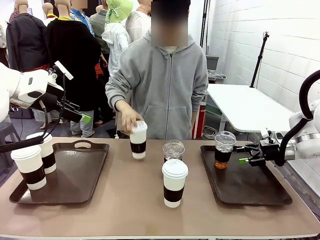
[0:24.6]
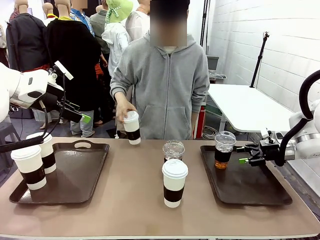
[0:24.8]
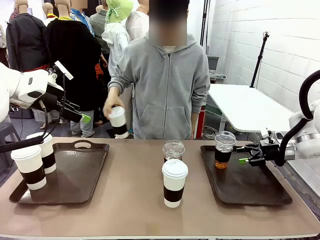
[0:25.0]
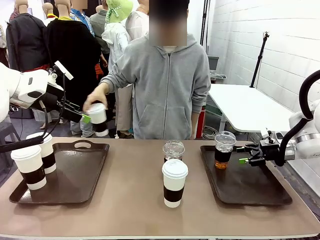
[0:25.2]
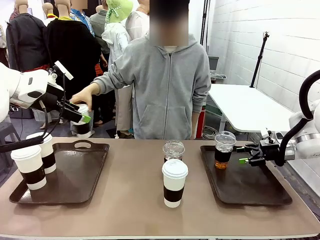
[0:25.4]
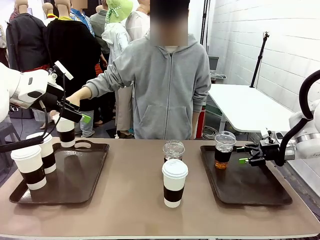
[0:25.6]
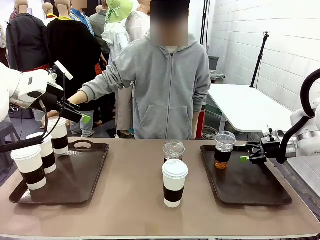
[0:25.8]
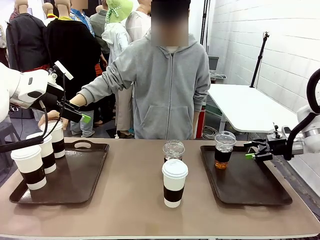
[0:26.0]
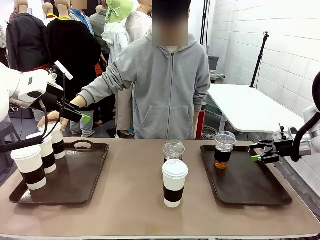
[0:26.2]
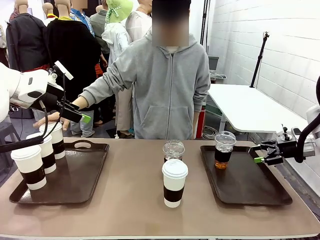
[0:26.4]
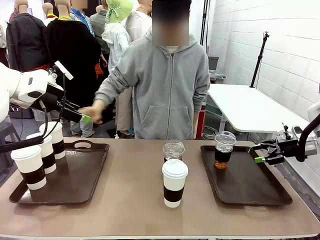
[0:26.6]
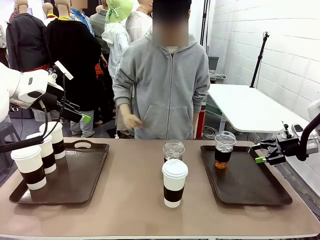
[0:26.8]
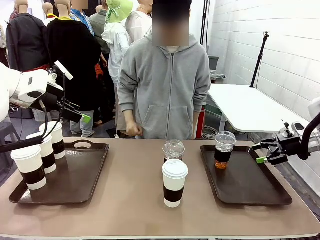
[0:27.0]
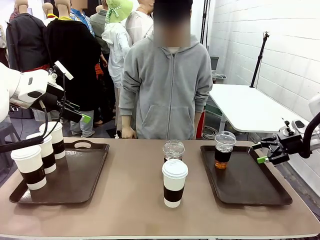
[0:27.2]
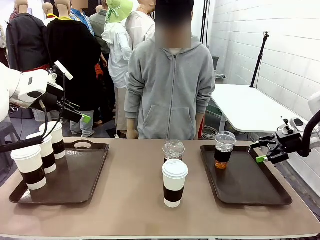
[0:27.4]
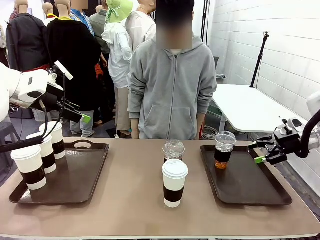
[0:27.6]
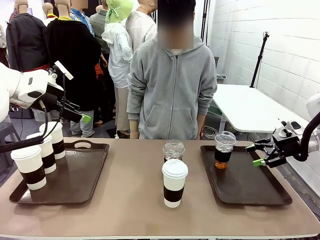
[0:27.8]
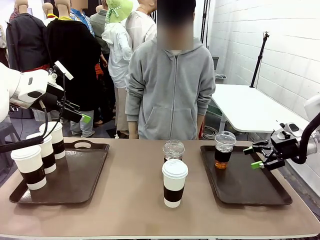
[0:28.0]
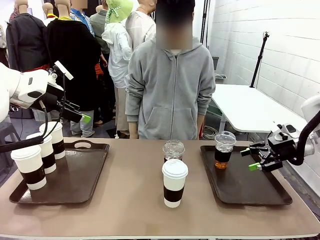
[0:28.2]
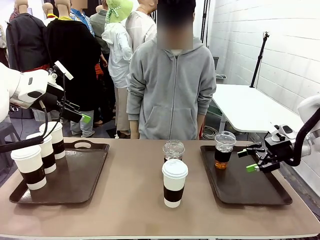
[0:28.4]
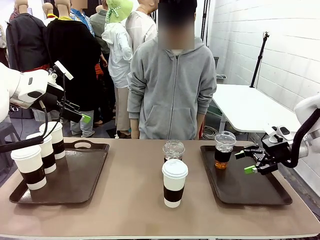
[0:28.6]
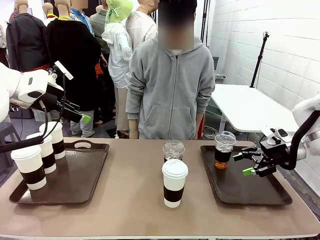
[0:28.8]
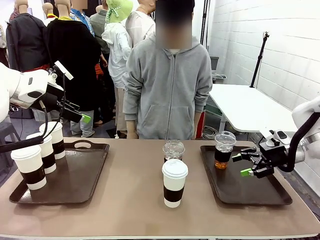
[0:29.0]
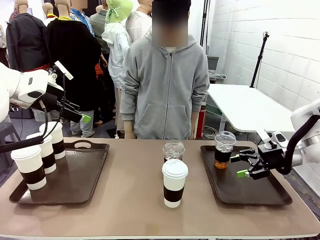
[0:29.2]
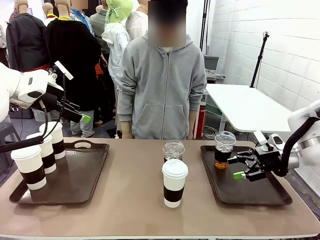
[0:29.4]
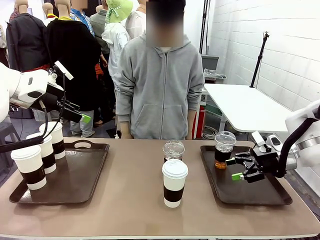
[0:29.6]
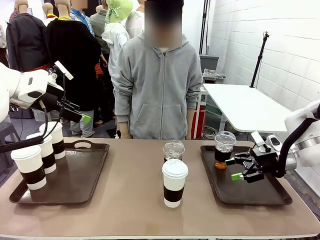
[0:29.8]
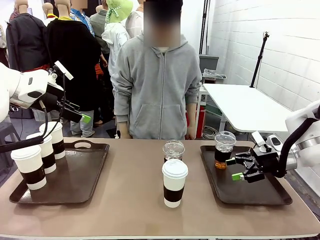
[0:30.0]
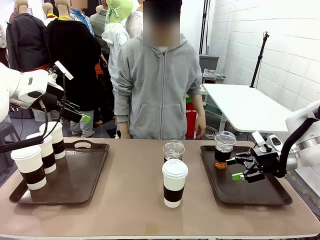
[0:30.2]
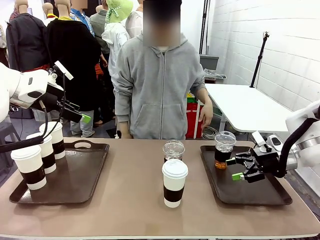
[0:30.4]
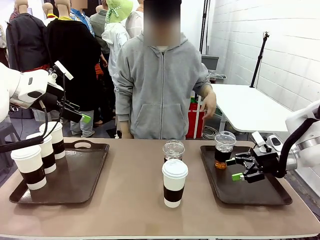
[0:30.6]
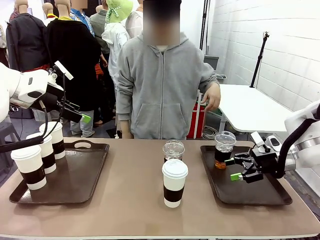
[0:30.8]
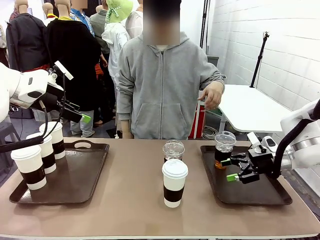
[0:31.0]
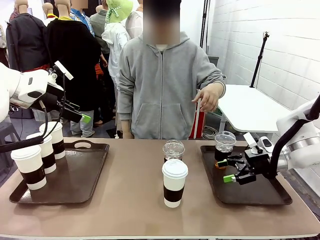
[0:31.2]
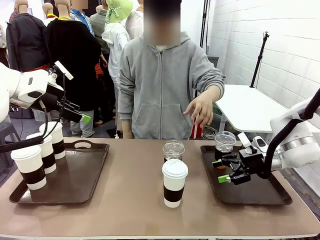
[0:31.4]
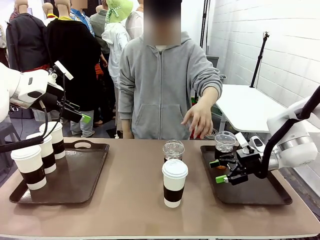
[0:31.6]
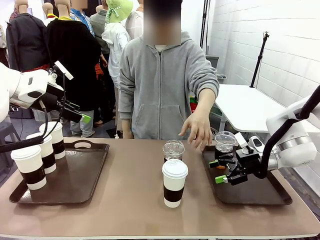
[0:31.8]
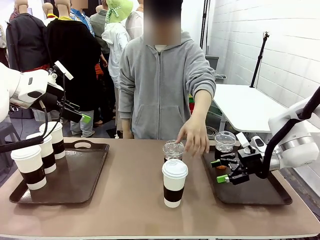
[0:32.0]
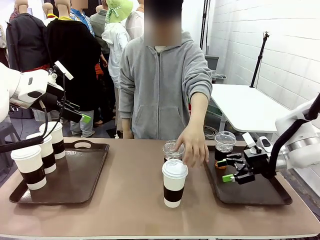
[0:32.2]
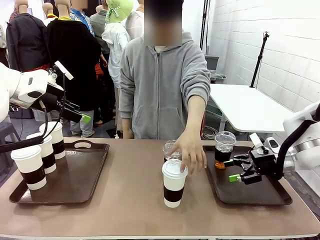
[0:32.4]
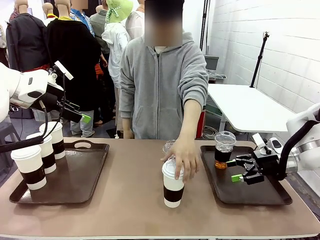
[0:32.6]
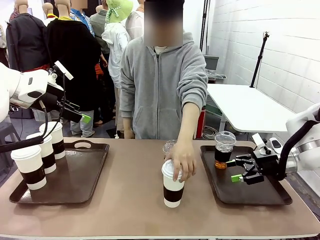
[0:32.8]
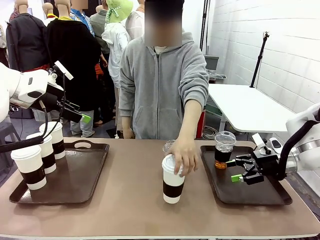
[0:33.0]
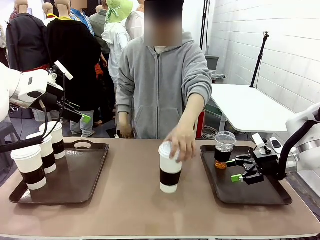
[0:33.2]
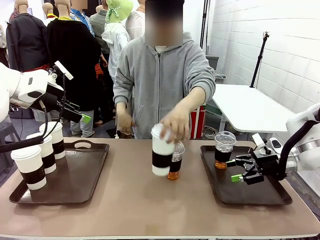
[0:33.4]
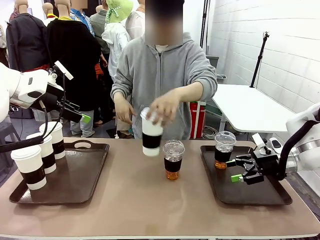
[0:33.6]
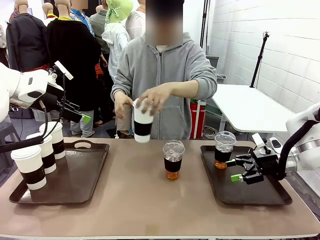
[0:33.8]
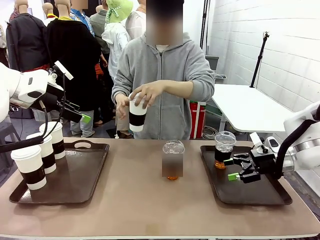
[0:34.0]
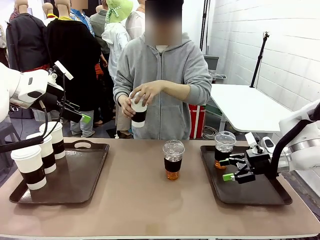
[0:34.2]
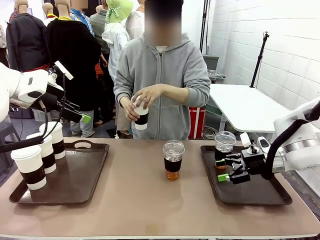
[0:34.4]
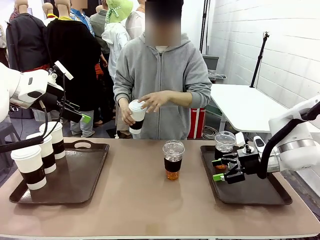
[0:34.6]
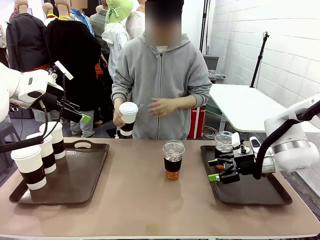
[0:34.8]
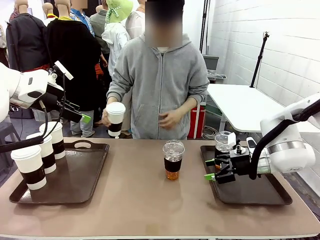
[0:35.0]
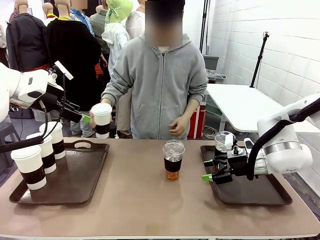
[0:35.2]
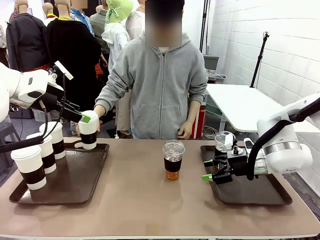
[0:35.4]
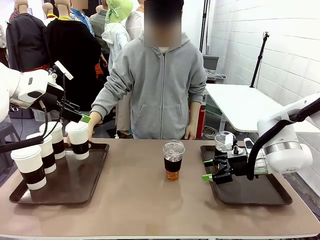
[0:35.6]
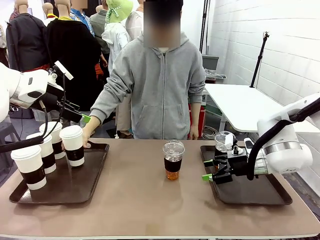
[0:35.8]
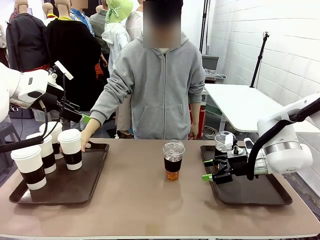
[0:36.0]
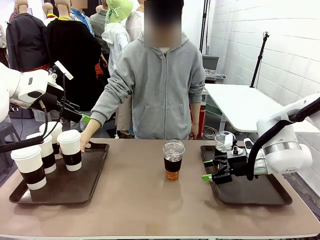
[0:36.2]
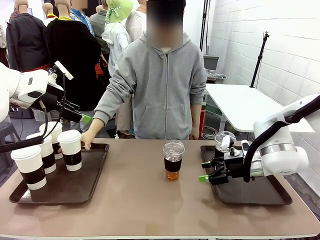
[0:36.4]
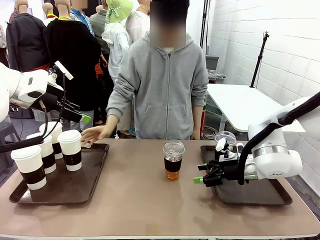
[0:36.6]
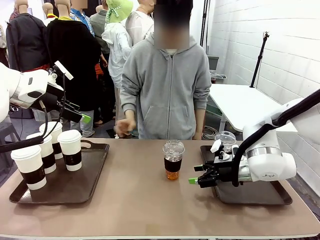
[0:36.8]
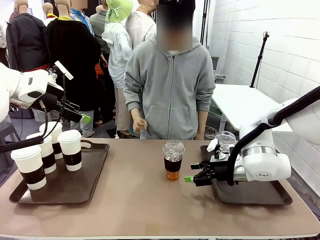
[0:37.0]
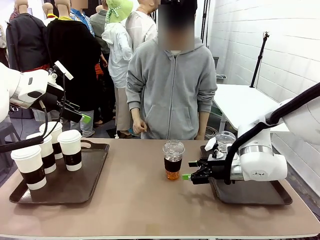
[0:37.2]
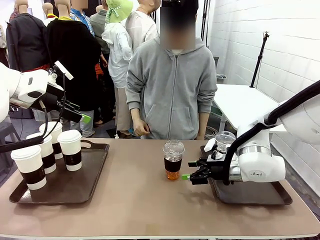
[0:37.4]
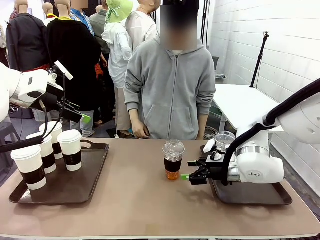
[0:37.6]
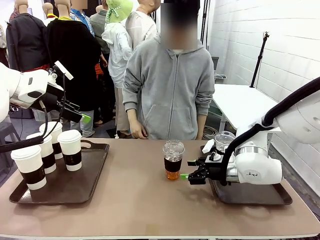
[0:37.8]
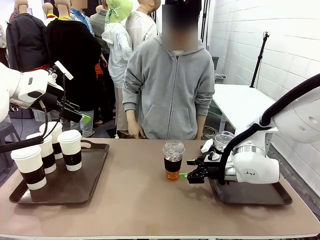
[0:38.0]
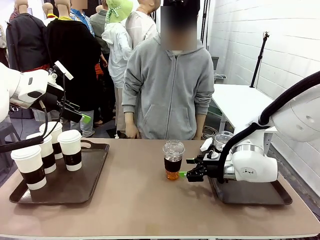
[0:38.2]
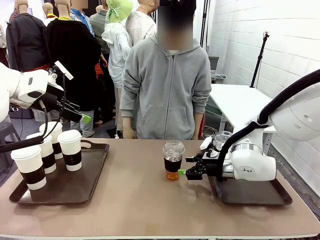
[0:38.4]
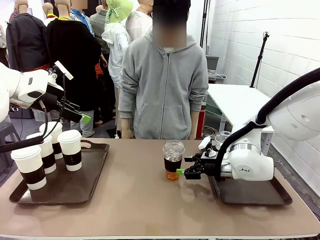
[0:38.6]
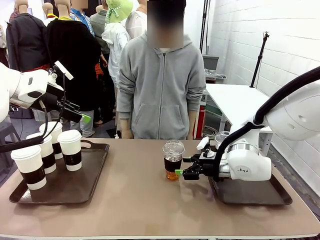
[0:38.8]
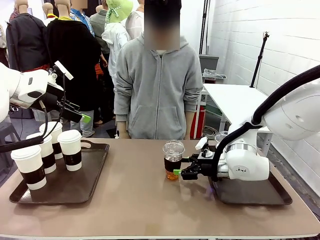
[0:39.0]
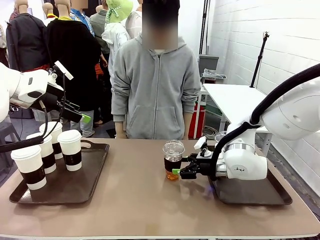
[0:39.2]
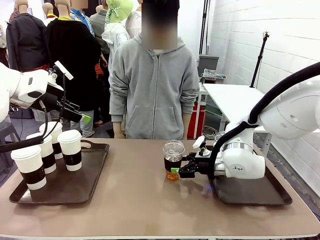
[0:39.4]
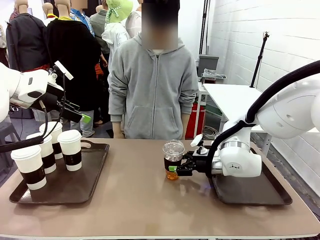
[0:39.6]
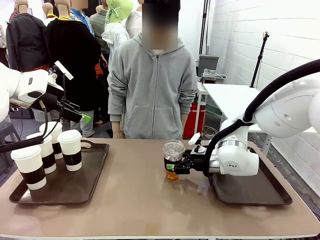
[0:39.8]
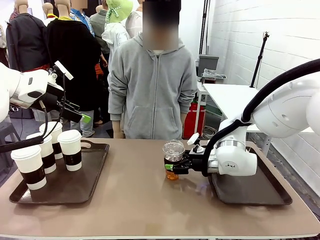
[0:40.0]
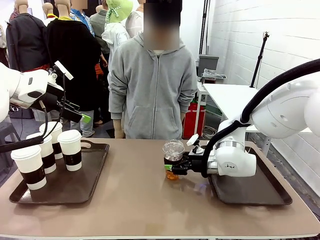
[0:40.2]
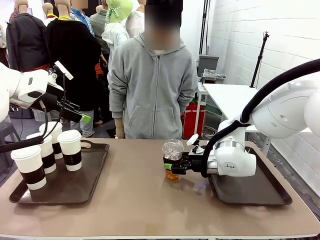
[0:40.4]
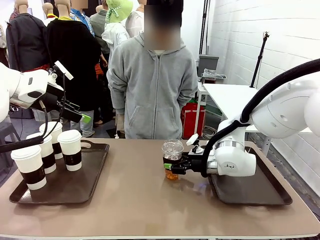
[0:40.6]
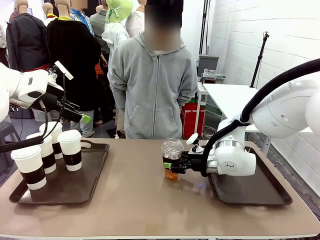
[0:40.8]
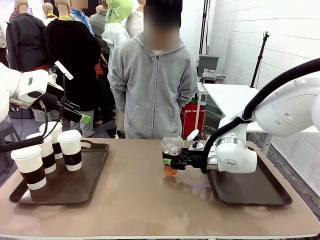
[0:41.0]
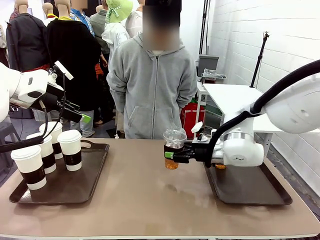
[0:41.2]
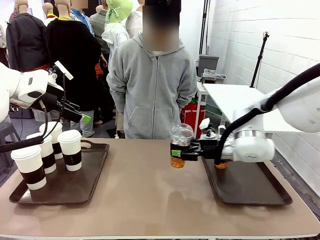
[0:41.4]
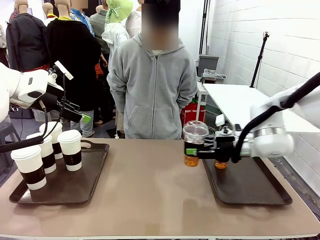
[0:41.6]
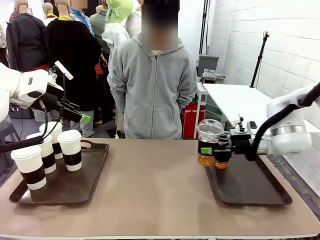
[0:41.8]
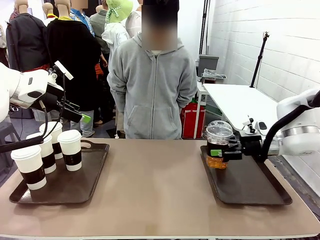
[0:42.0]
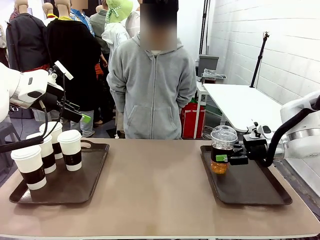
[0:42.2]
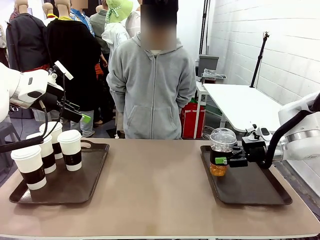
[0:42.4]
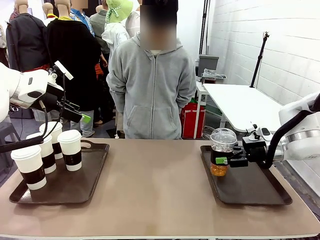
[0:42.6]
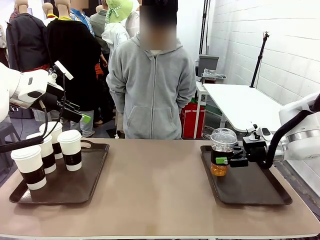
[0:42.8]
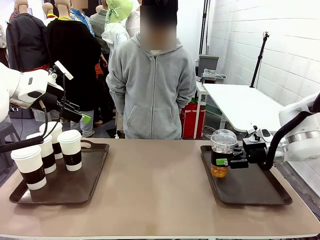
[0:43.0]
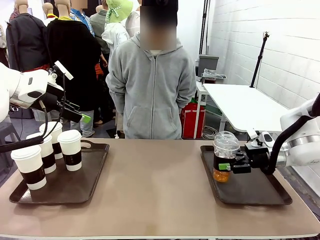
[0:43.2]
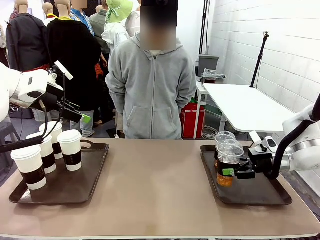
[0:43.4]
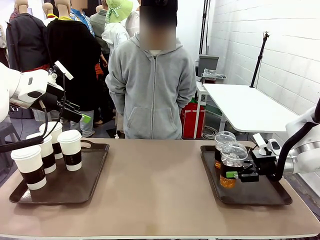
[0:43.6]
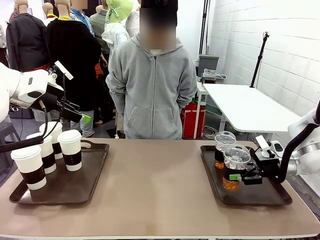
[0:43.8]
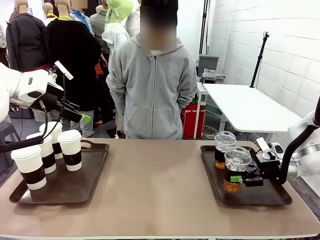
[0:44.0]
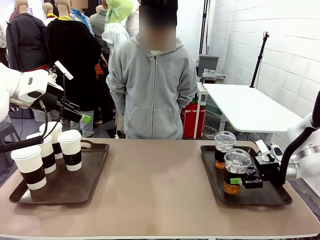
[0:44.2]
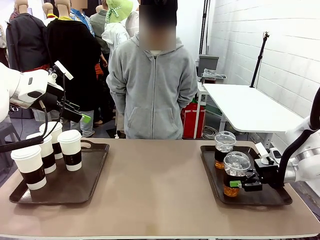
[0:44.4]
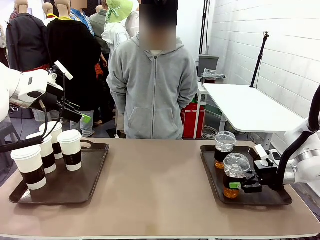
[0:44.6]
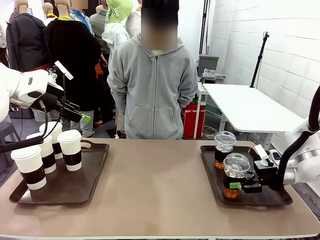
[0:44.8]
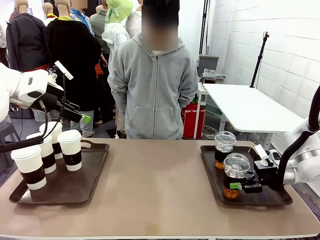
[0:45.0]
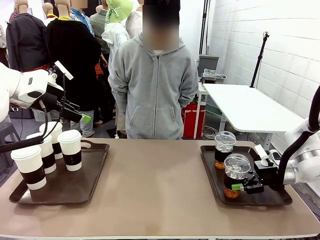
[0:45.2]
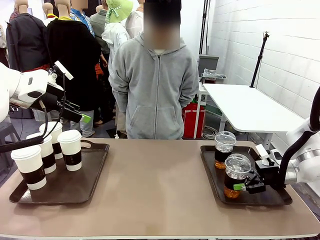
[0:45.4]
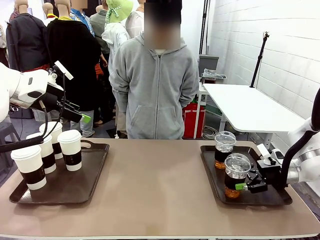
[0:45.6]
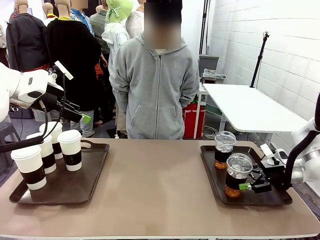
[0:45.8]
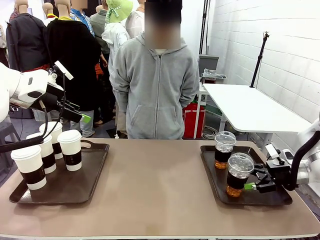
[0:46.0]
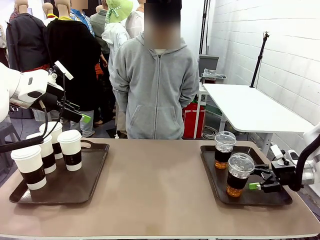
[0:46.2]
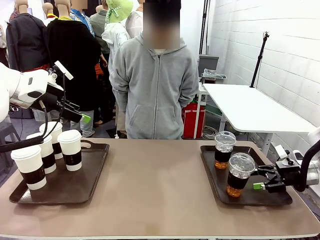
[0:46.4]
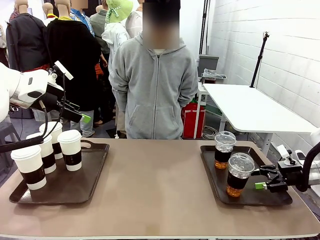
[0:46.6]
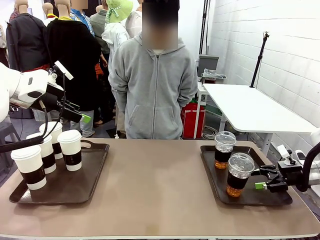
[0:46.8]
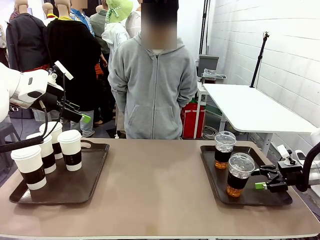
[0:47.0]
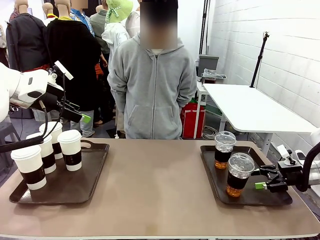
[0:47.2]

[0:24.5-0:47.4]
Task: Distribute the coffee onto the tray.
Robot: Pick up another iced Americano from the middle of the table and place it on the right Handle tray.
Person: Pick up a cup of hot Americano from the middle of the table and place it on the right tray.
